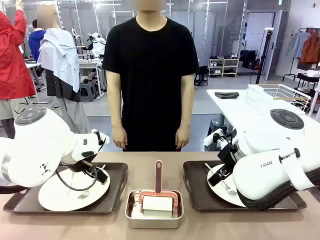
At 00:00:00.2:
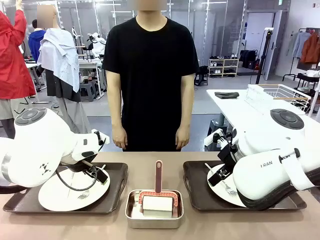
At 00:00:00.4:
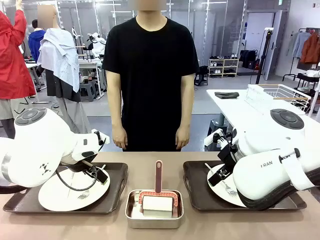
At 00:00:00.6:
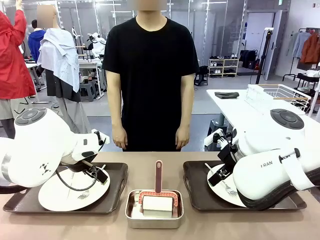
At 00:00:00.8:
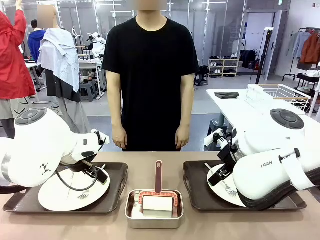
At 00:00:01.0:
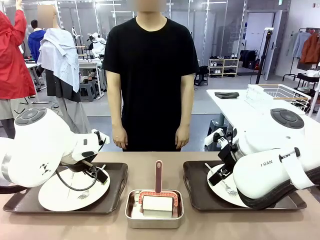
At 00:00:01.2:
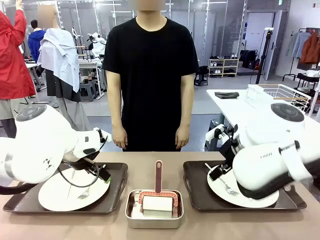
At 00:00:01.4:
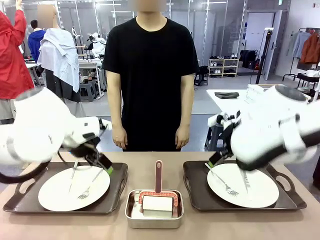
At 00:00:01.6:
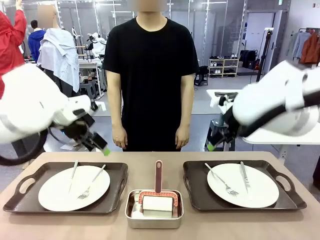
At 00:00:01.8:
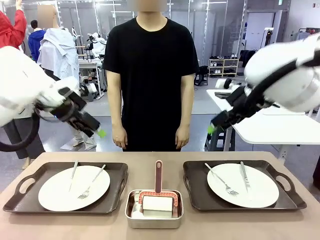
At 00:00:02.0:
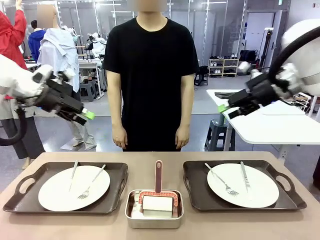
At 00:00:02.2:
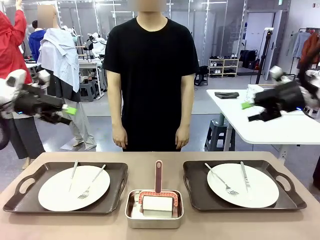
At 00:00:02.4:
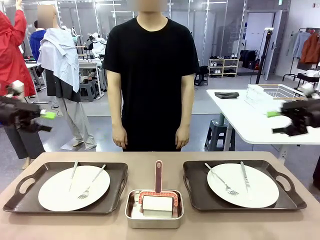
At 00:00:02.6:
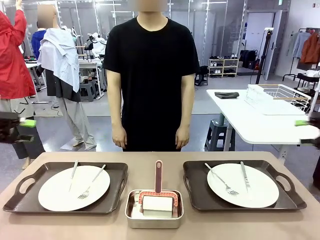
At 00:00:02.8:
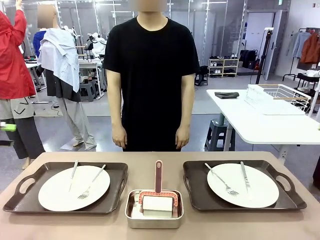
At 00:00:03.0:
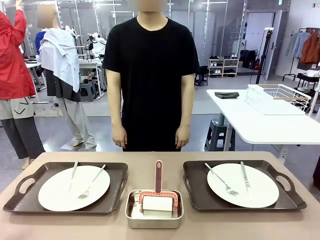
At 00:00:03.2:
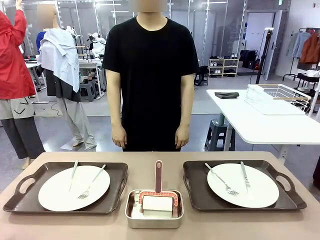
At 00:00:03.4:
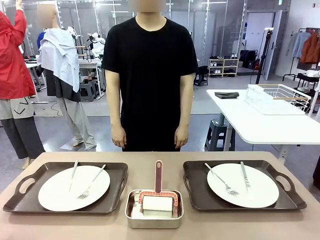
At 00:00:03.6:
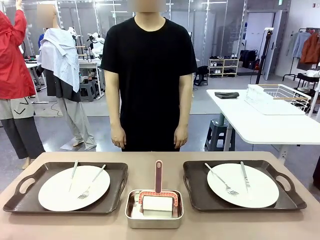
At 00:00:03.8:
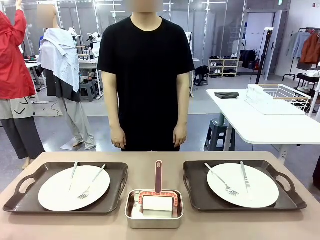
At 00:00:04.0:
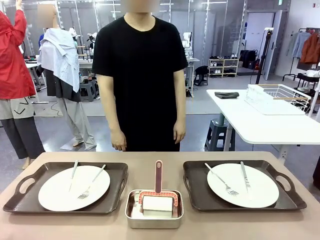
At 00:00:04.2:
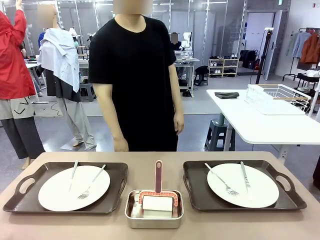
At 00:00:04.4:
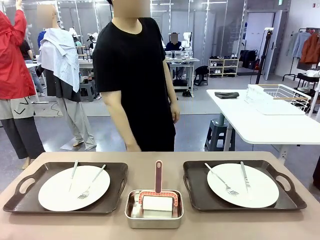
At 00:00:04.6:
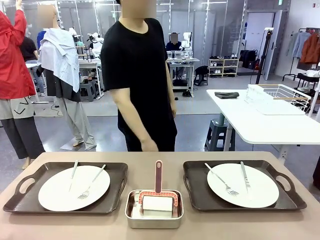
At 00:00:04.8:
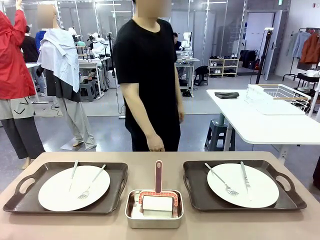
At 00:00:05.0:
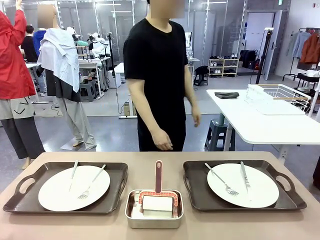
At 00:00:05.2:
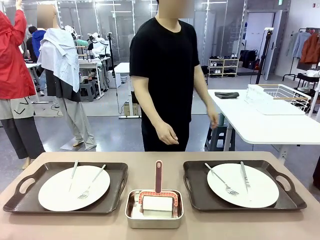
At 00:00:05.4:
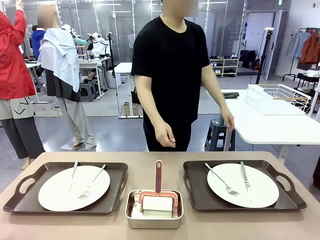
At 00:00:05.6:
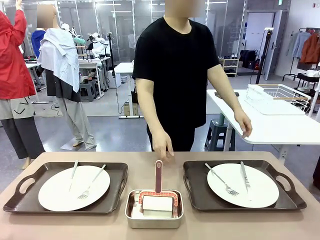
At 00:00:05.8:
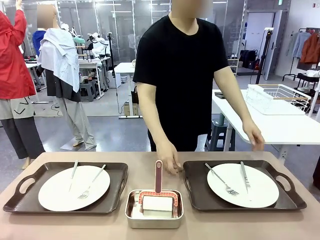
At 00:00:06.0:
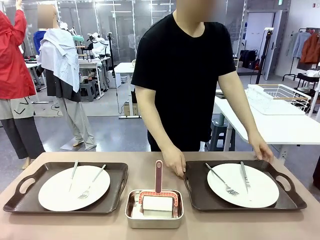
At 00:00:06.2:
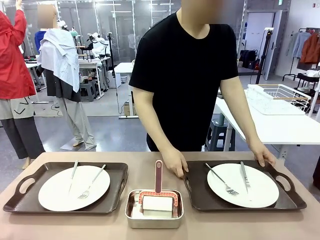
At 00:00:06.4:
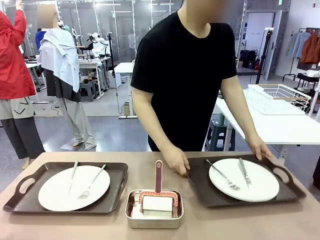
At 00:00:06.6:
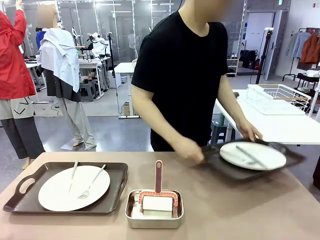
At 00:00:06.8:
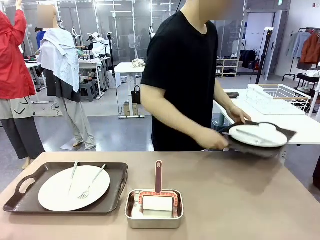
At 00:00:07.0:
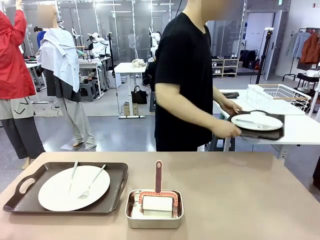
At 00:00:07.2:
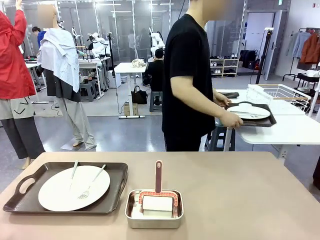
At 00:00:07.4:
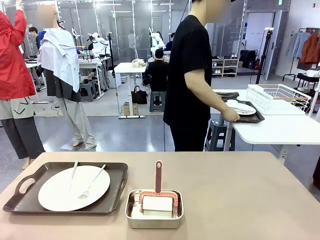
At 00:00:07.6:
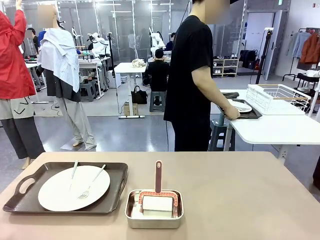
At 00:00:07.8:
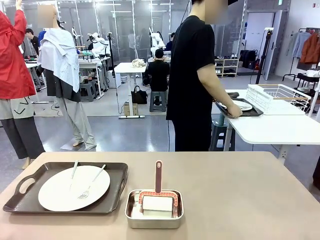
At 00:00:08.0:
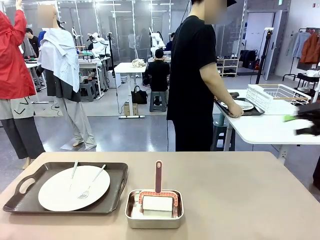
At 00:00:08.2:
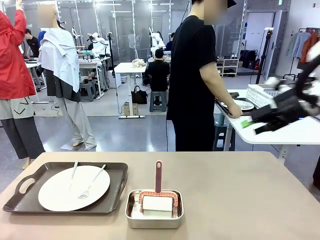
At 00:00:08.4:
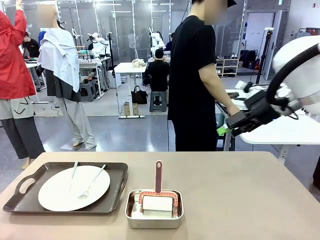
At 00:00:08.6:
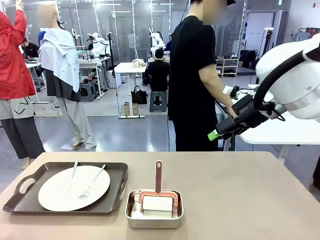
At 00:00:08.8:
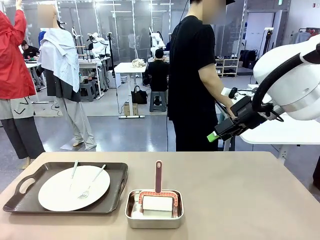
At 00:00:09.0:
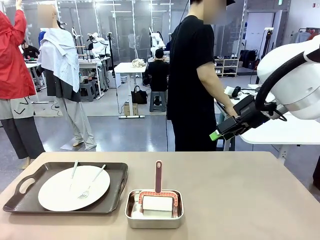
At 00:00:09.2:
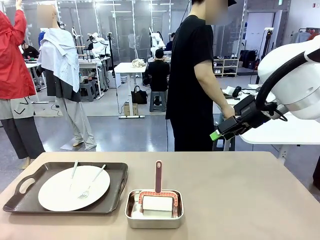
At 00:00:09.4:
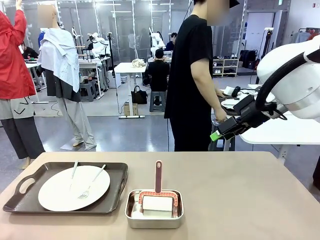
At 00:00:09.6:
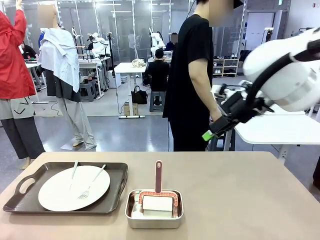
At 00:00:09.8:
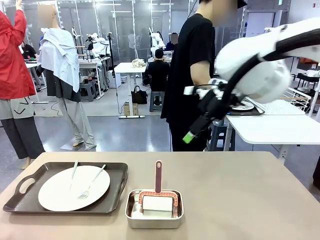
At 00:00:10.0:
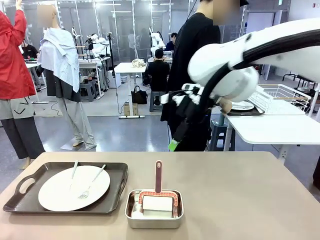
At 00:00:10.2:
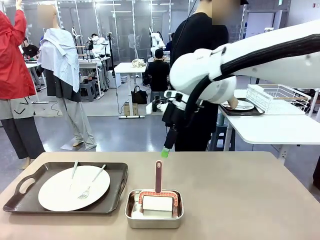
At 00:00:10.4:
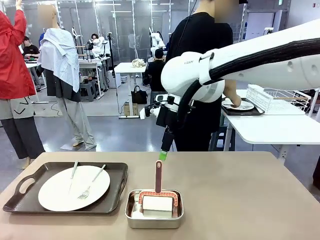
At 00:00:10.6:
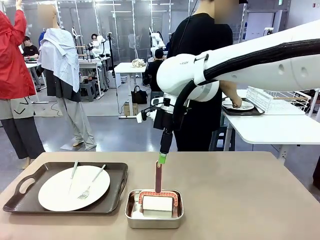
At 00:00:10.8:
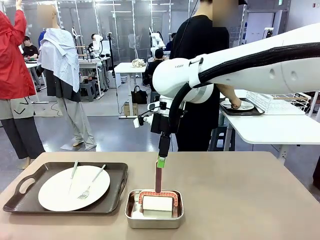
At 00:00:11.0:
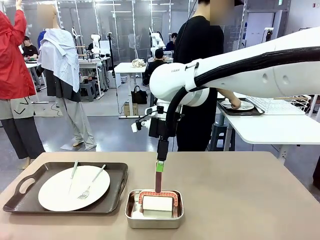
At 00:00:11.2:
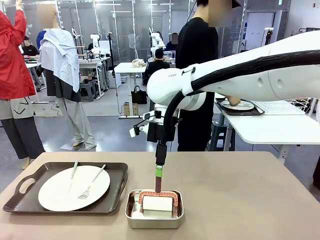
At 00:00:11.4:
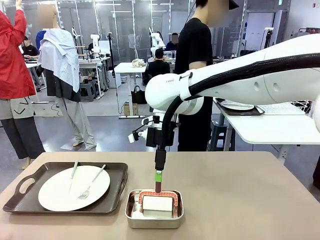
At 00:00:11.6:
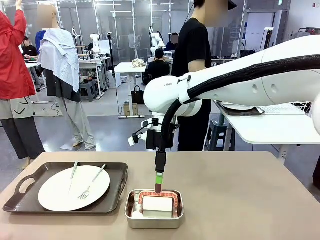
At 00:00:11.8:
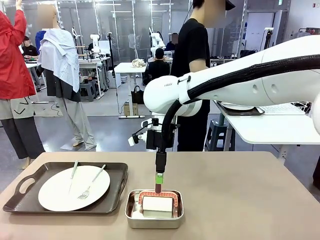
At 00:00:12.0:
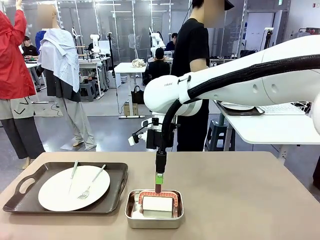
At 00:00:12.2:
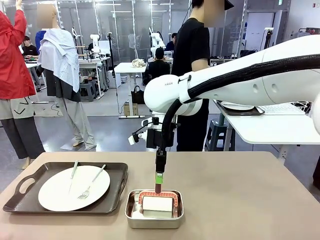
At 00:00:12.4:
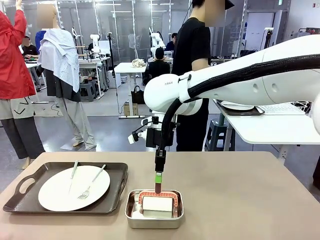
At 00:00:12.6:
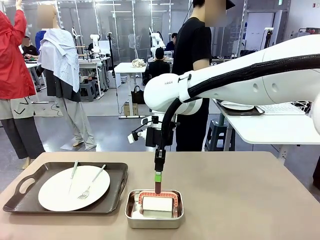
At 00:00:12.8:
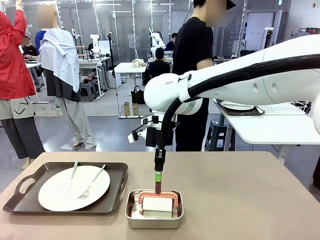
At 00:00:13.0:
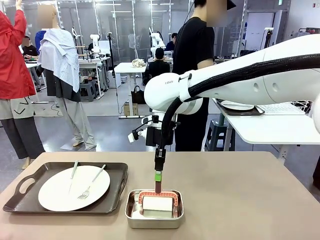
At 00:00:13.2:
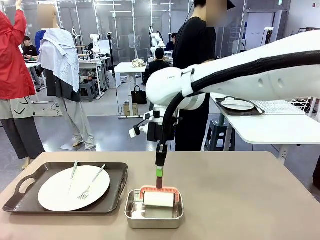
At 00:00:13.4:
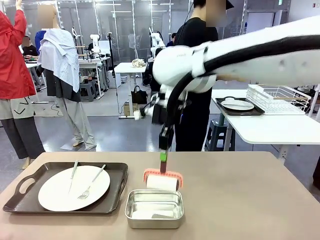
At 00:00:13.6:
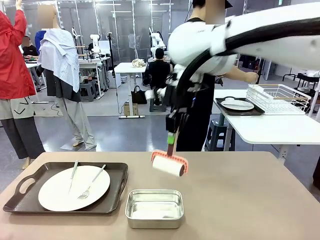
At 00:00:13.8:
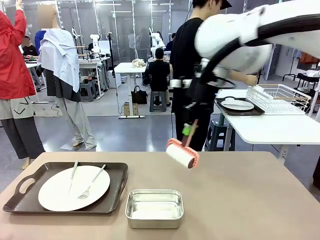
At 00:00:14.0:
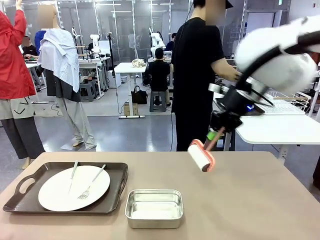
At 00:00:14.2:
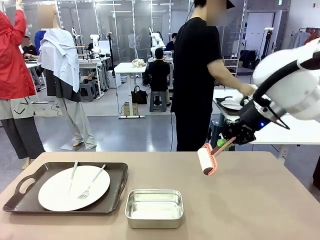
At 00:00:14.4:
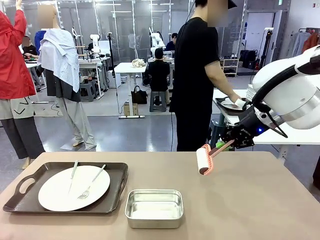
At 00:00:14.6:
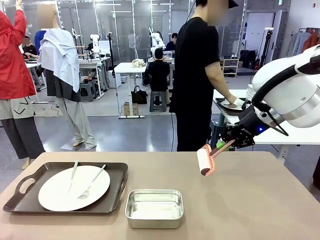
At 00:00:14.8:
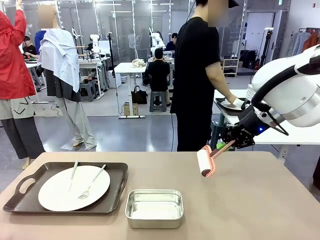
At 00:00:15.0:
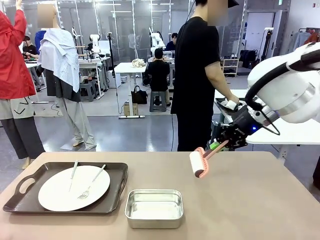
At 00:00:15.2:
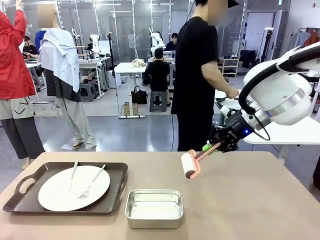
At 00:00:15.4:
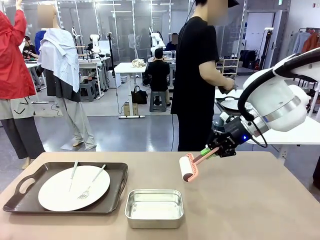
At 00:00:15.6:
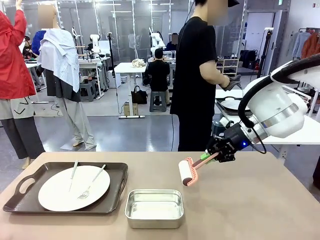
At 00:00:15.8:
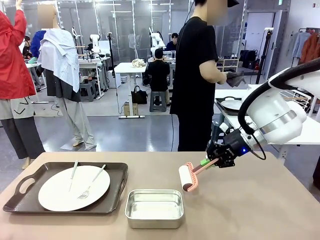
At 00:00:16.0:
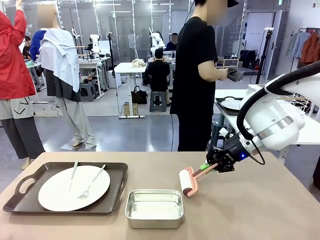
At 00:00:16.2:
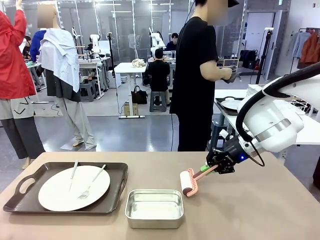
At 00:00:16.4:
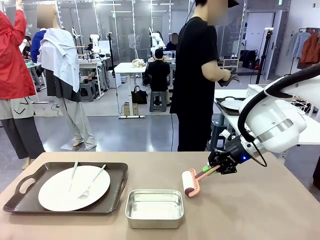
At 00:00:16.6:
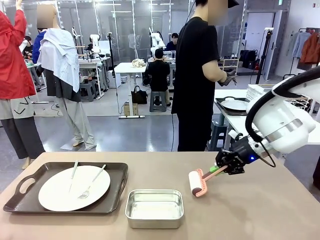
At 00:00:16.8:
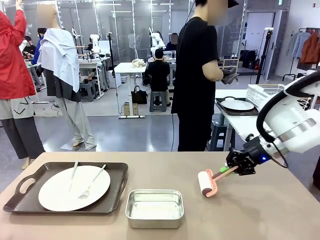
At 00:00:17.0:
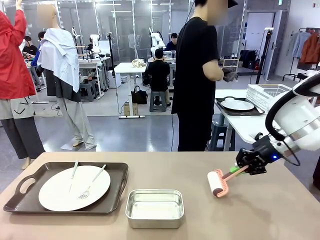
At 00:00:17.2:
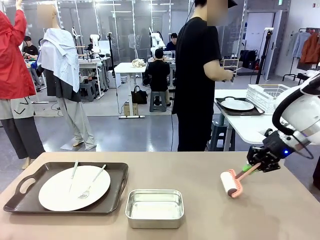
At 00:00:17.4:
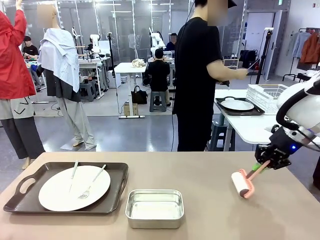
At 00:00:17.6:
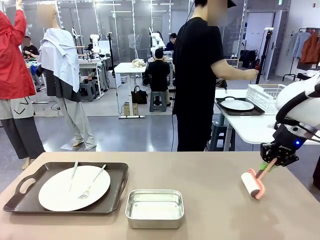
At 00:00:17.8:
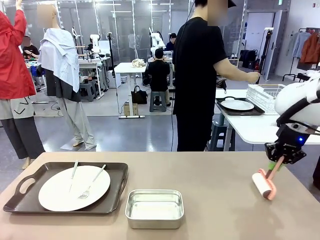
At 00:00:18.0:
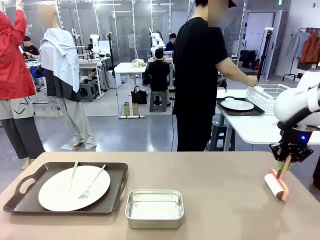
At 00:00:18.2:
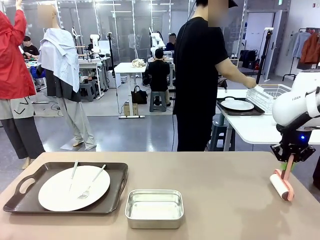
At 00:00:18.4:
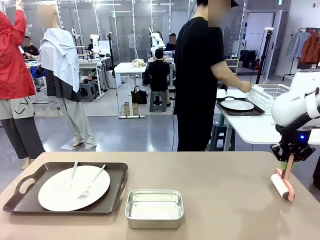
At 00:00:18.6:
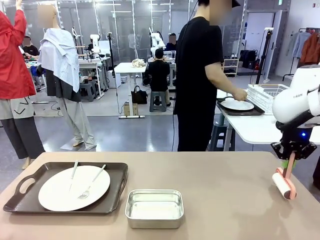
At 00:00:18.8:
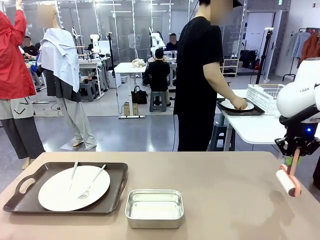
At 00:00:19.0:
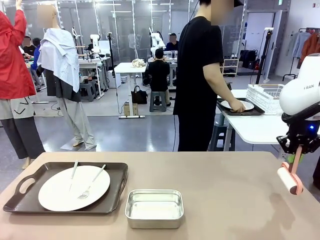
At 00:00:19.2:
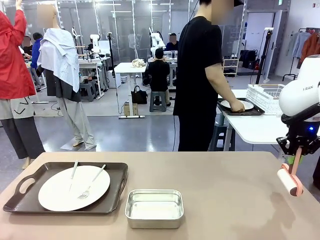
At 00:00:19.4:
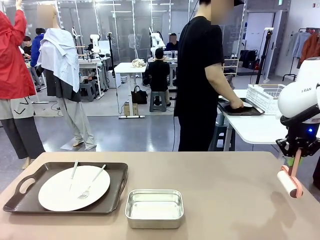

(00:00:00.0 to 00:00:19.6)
Robot: When the left (or right) Handle tray is removed, use the left hand (or right hand) to clean the left (or right) side of the table with the Lint Roller.
Person: Pick up the left (or right) Handle tray and place it on the middle of the Human's table. Use the Towel with hook to wipe the Plastic Matte Plate , Fork , and Knife and place into the Dish drying rack.
